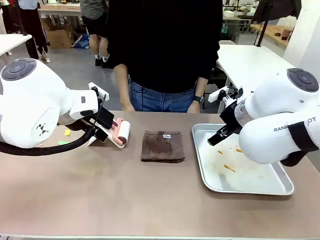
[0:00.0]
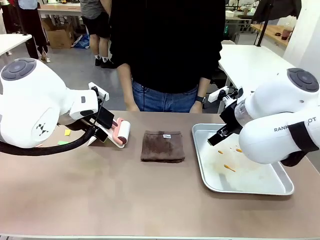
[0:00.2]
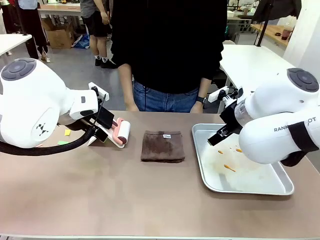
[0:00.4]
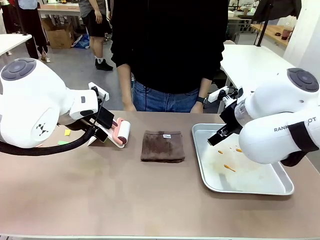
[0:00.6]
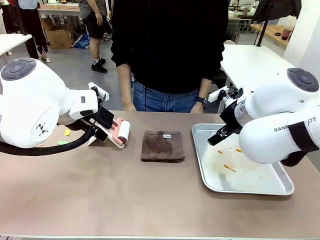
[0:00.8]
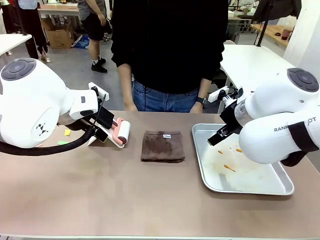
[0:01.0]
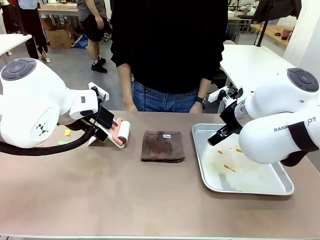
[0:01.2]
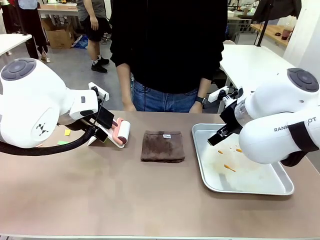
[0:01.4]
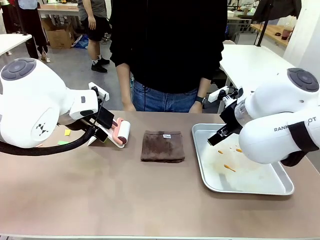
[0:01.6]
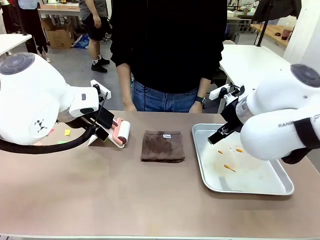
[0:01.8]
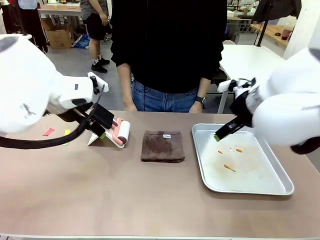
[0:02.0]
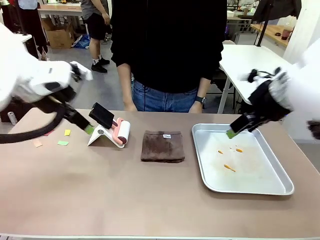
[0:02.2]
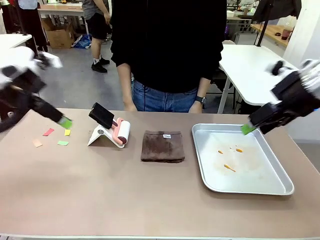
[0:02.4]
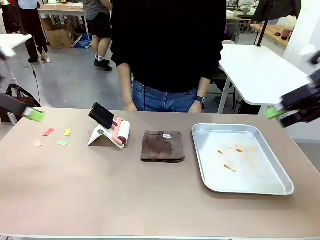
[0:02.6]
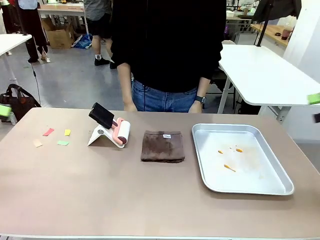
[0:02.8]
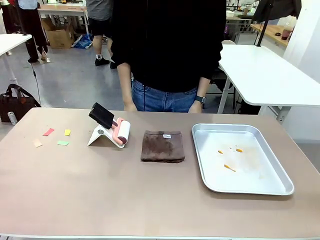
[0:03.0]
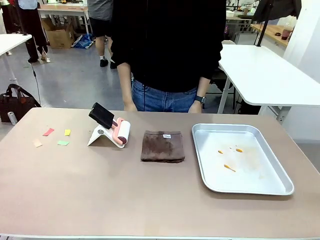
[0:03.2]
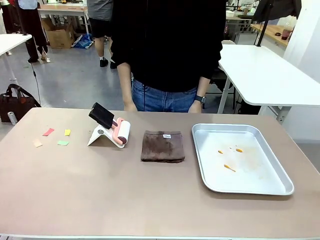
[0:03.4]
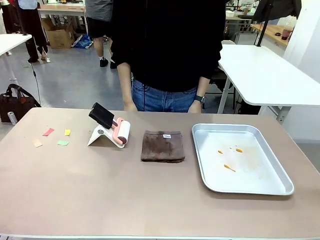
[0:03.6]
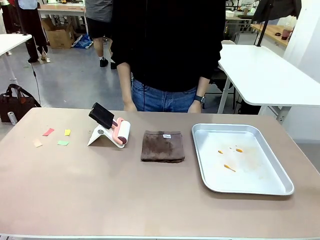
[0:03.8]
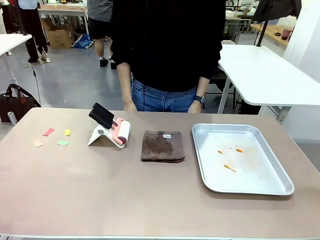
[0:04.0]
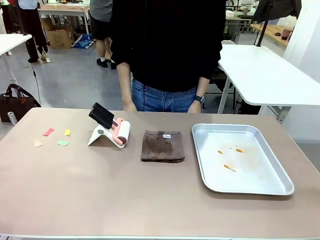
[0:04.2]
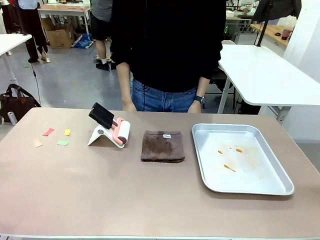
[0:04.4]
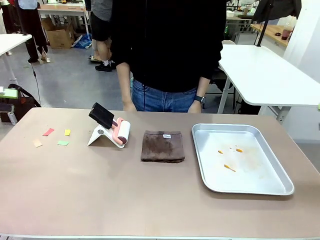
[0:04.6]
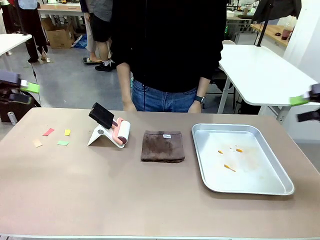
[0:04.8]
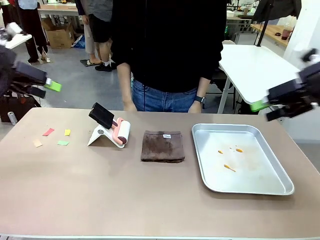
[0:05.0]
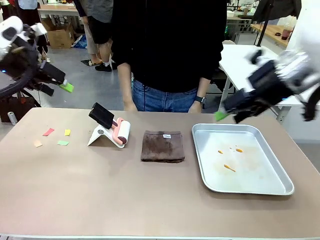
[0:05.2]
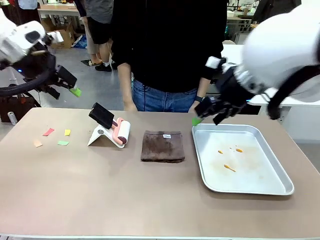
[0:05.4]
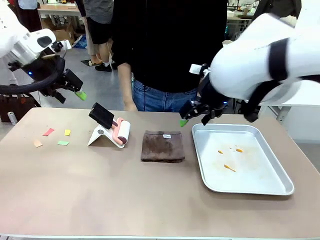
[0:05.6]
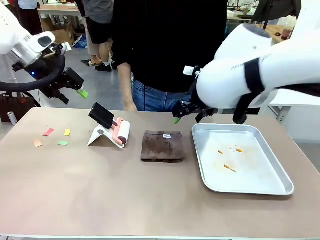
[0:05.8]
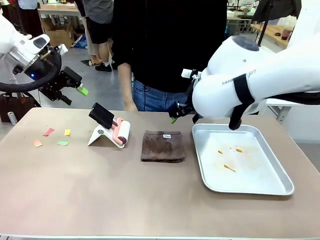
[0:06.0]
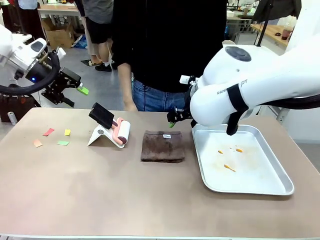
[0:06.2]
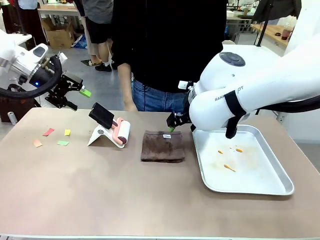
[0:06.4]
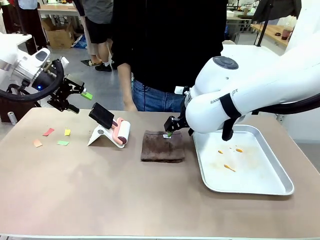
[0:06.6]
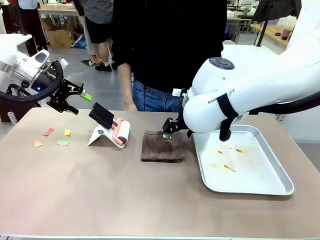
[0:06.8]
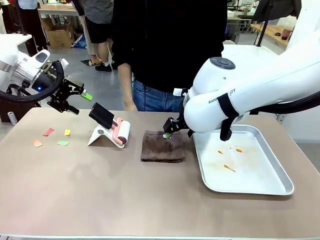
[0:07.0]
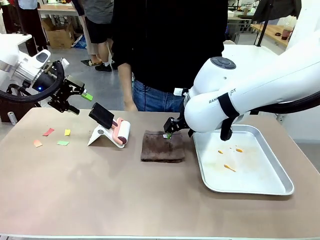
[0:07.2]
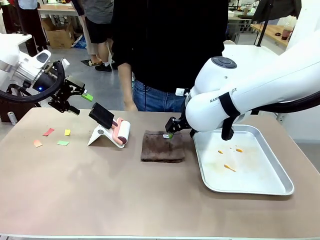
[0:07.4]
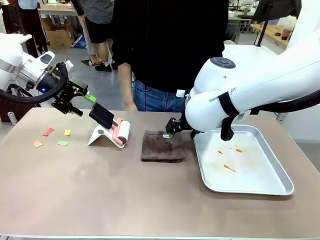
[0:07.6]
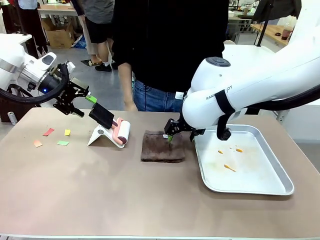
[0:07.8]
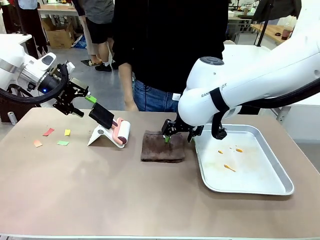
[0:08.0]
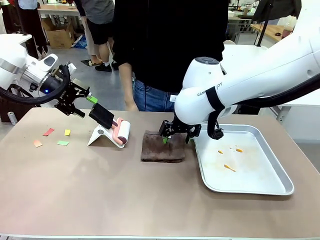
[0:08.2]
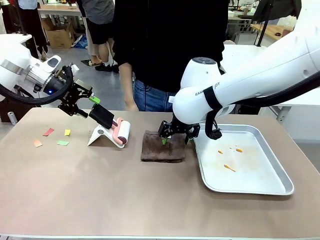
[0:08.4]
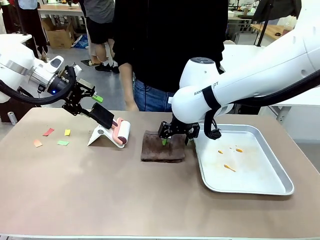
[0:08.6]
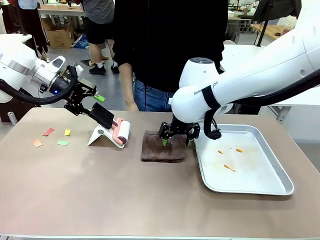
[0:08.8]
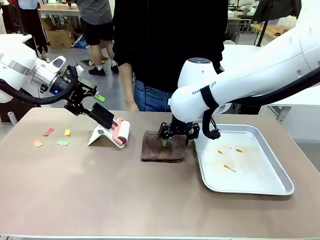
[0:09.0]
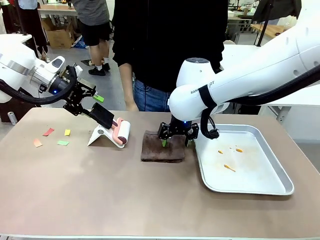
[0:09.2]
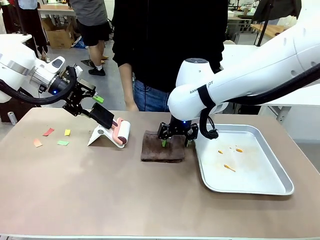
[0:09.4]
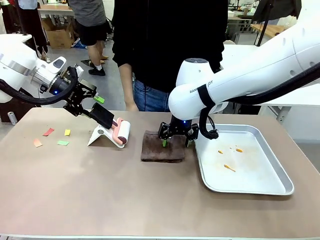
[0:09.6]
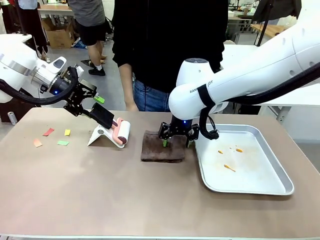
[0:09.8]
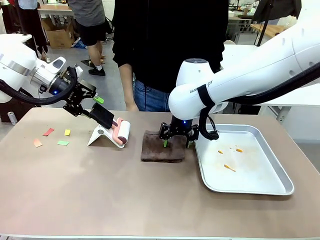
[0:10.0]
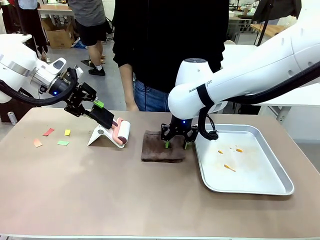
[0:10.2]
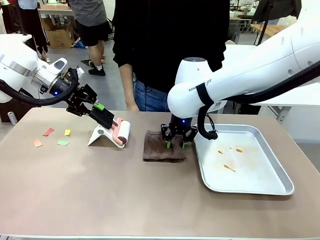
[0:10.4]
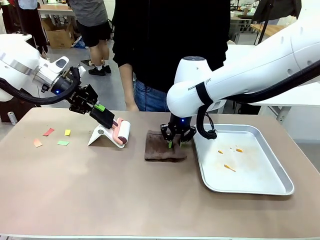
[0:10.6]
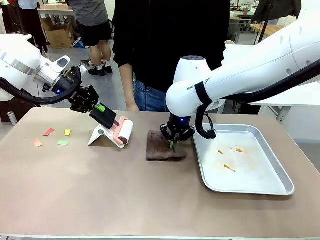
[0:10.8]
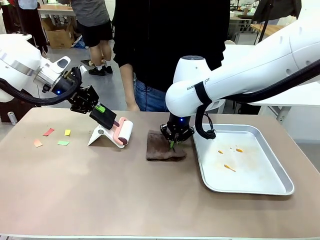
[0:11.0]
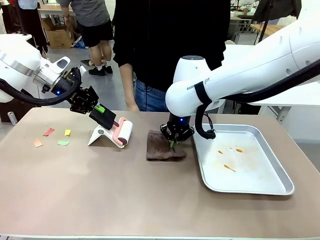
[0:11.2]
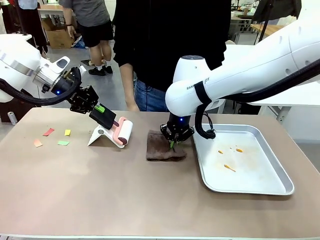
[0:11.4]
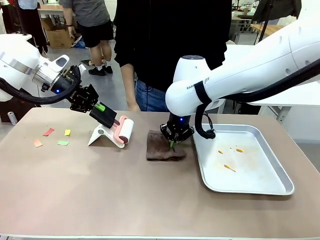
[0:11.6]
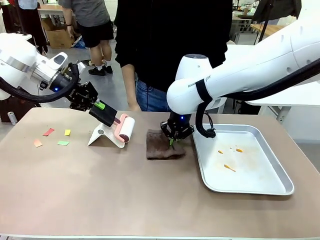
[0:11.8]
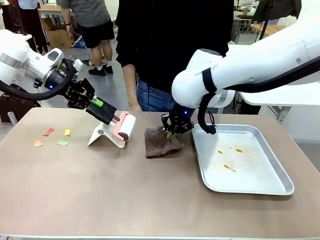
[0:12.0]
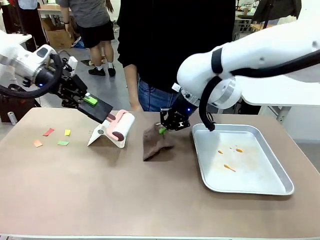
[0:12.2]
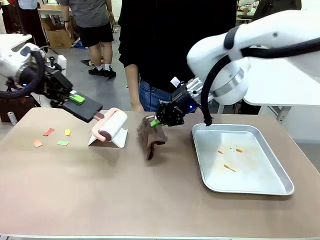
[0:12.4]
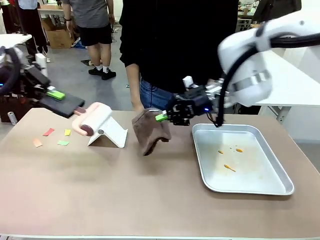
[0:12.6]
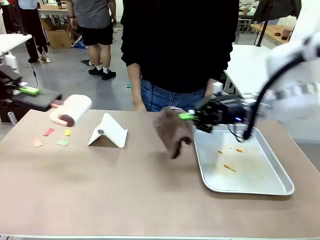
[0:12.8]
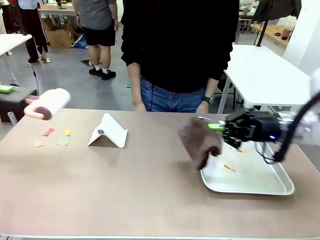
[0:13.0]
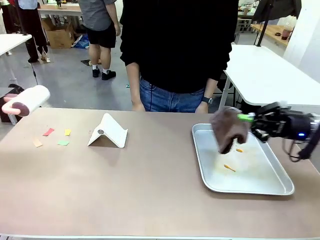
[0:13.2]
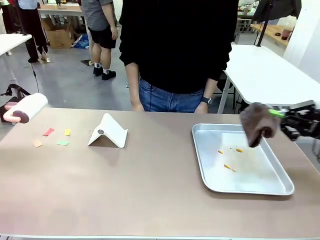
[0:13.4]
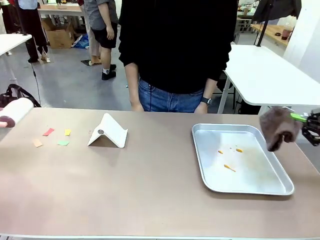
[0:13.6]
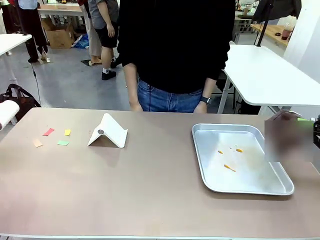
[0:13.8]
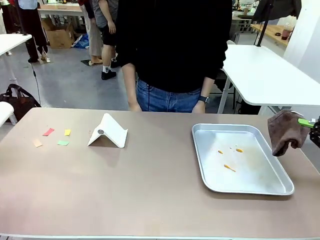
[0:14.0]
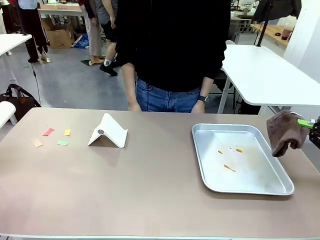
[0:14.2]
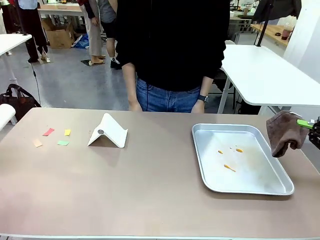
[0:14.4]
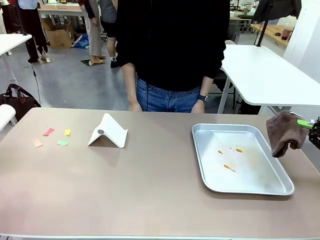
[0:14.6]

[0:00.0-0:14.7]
Task: Clean the surface of the table.
Robot: Hold the Lint Roller with your left hand and the towel with your right hand.
